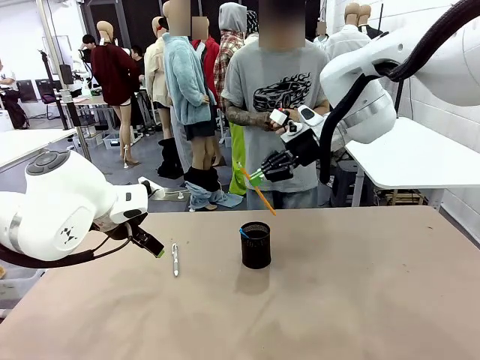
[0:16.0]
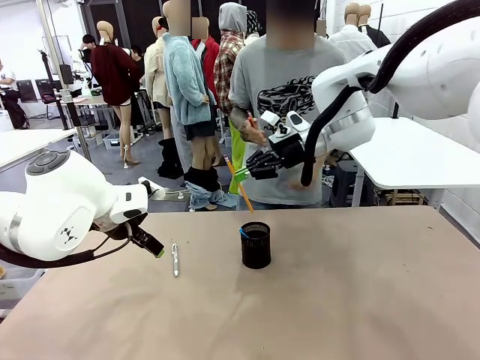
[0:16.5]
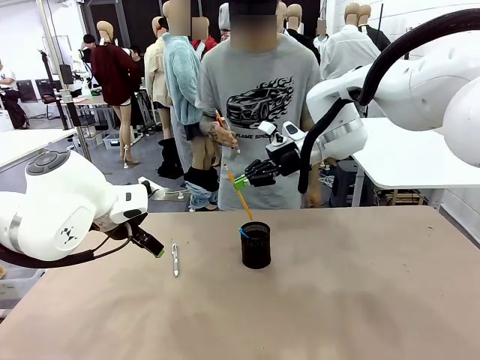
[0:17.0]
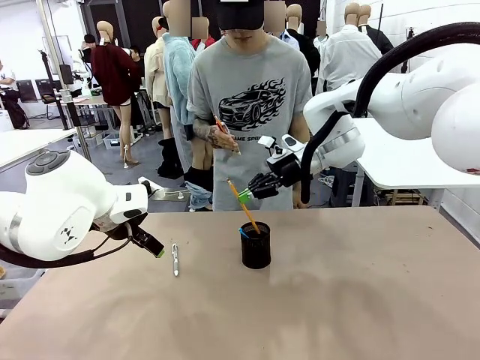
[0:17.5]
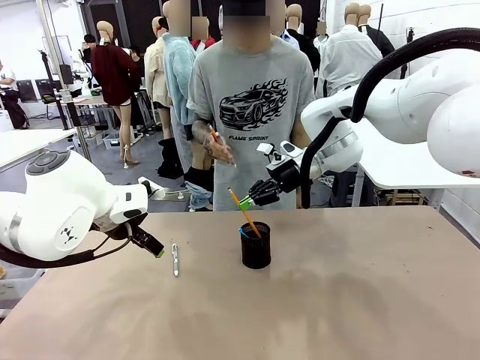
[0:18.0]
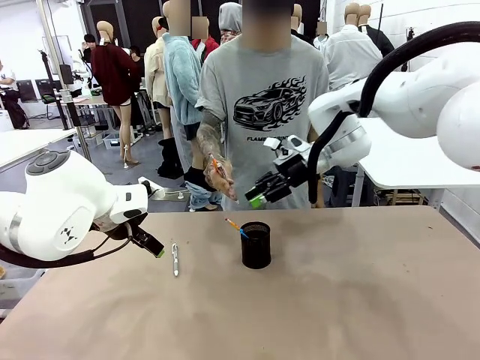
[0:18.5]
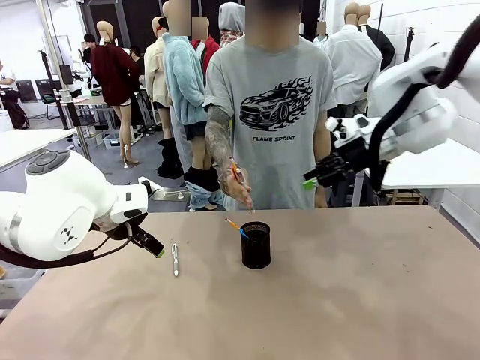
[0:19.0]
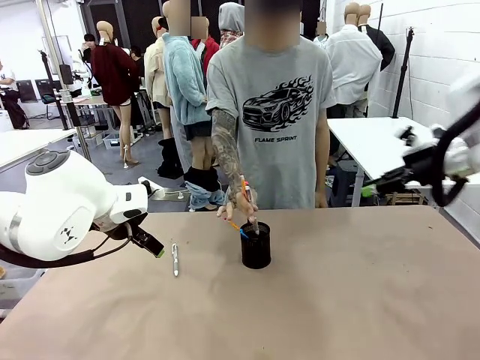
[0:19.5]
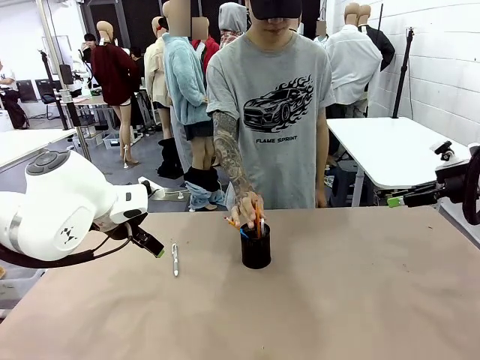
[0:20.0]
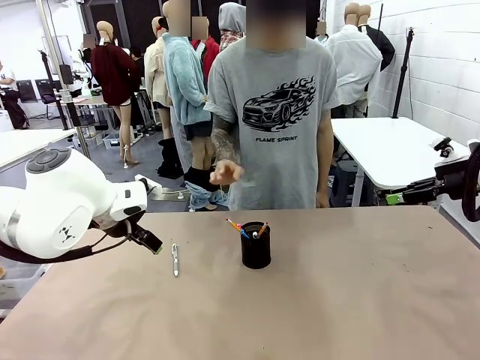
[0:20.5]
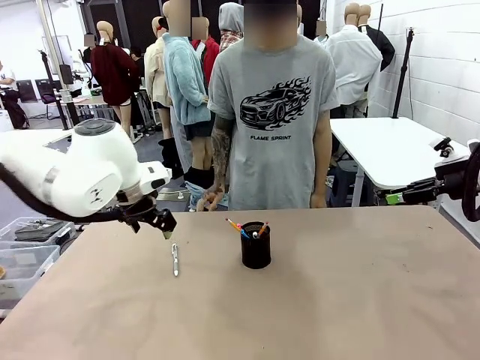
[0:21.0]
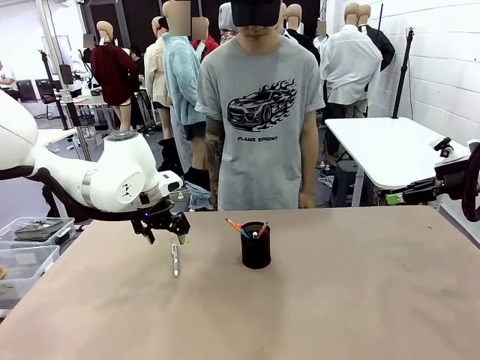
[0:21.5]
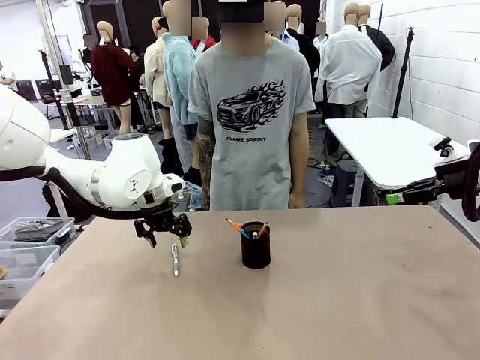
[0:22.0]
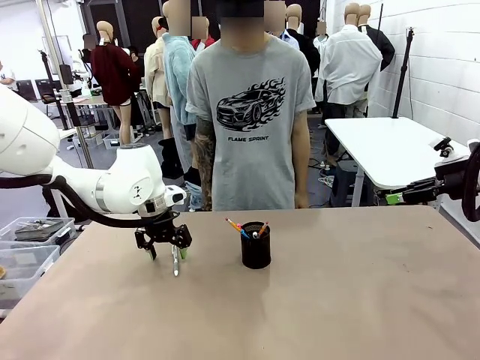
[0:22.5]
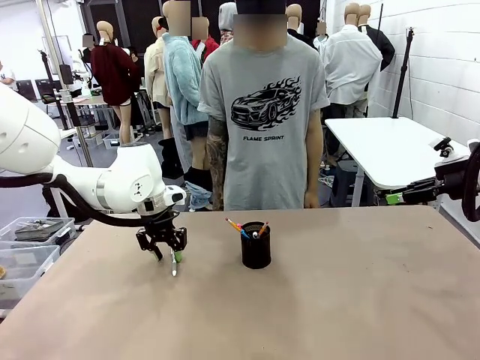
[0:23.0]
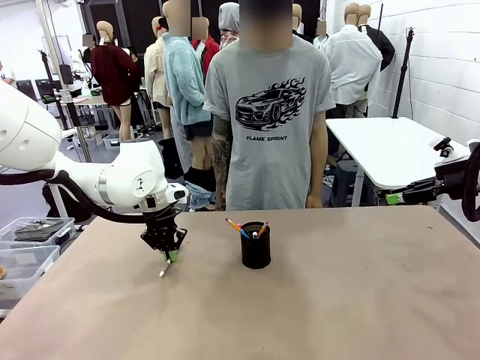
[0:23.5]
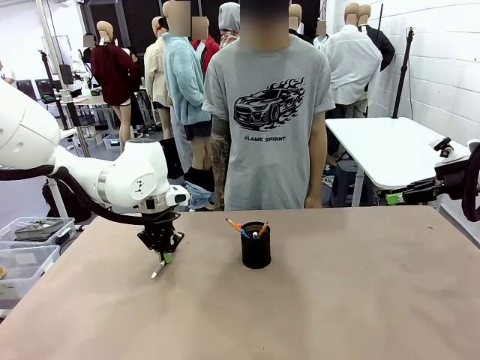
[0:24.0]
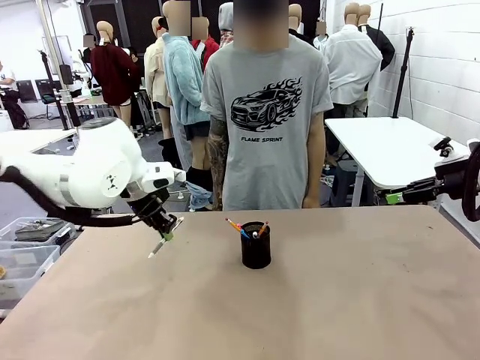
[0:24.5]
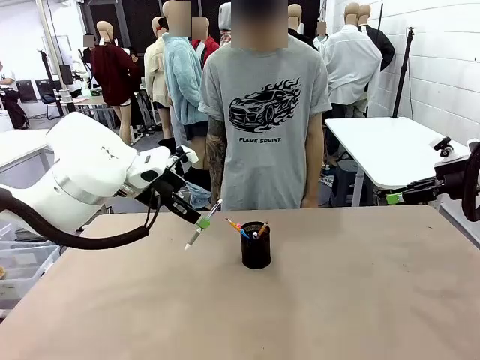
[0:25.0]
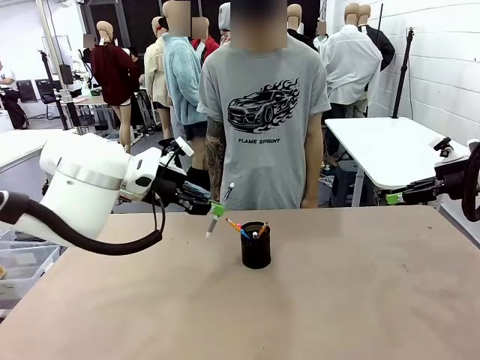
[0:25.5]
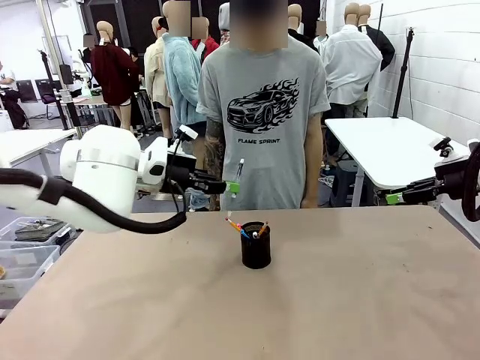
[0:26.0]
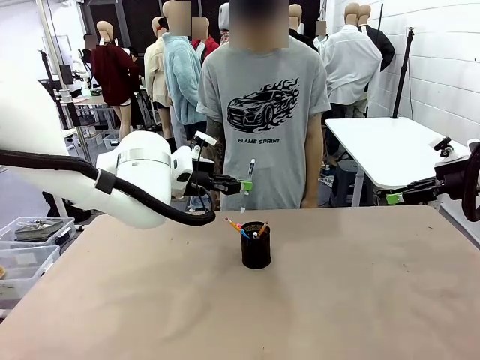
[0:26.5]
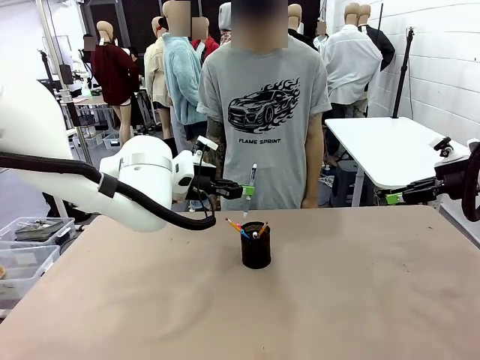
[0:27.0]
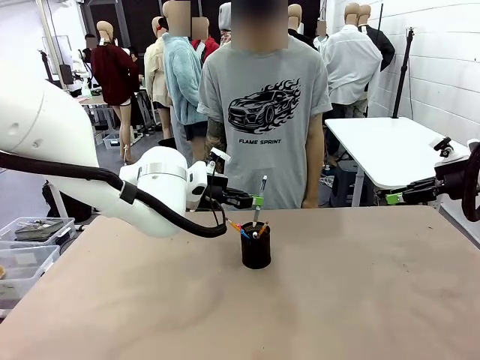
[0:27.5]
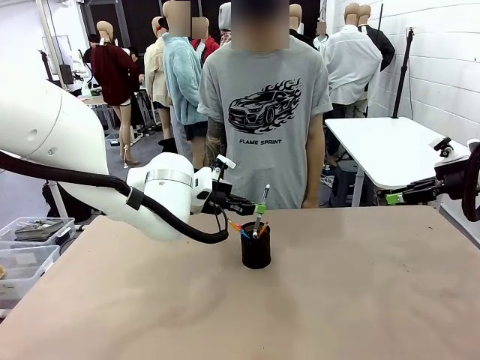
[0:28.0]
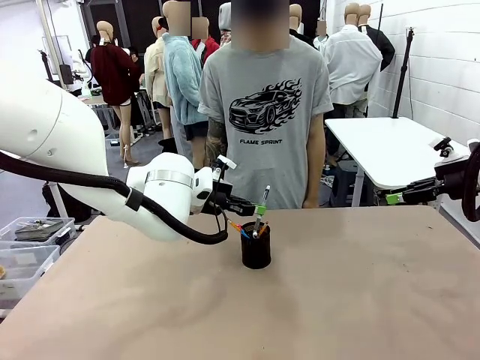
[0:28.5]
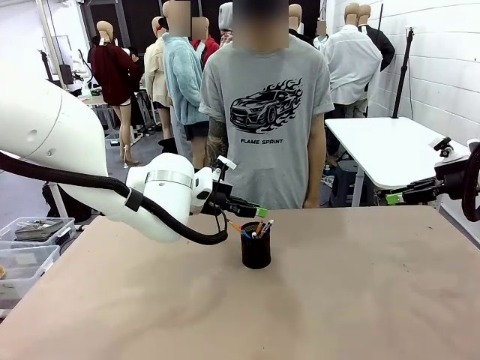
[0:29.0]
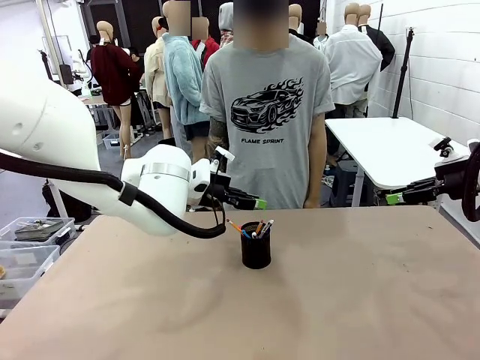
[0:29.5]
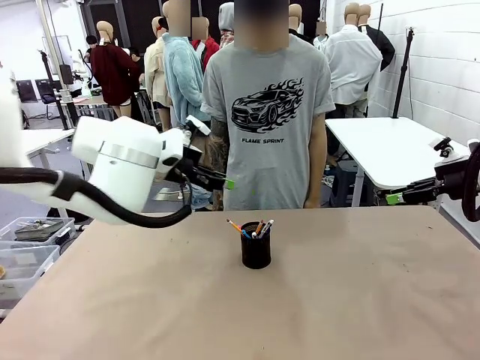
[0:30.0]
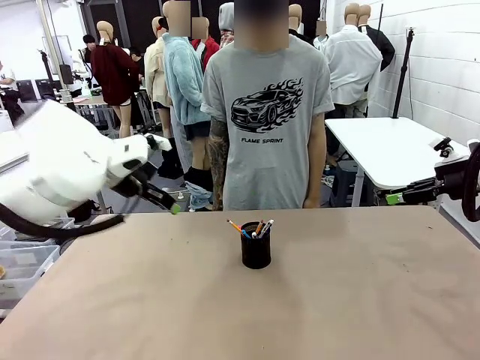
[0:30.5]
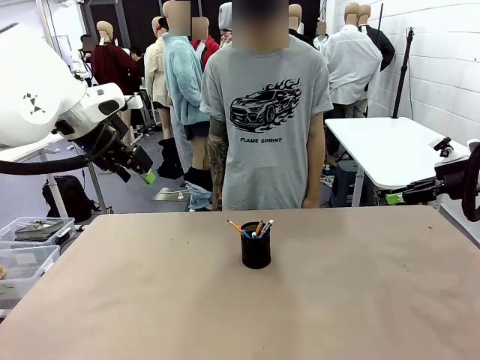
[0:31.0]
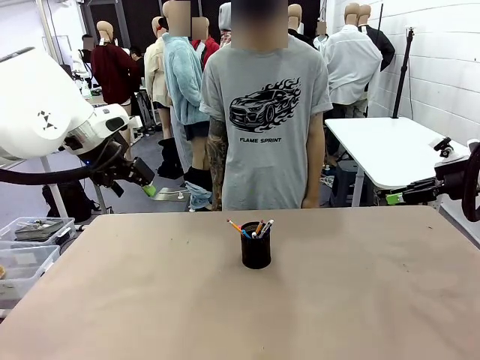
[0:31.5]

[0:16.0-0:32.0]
Task: Place the pens into the pen holder.
Robot: Pick up a writing instrument from the table and place it into the Pen holder.
Person: Place all writing instrument into the Pen holder.

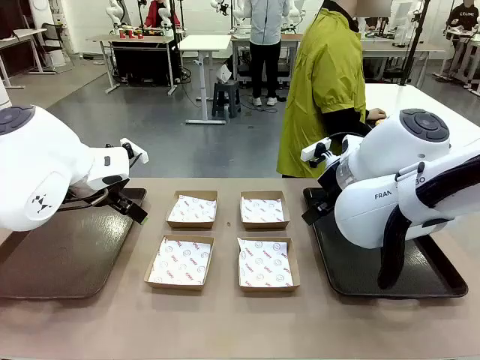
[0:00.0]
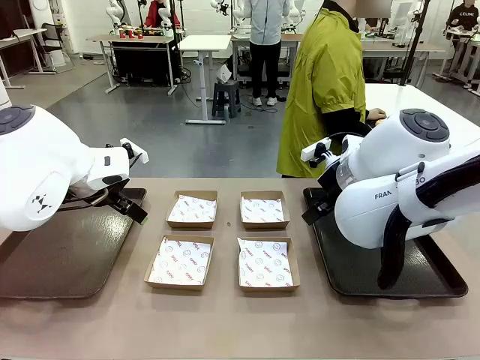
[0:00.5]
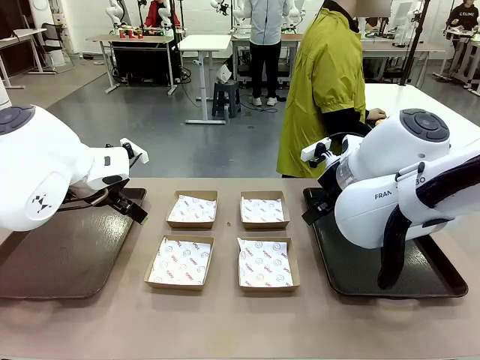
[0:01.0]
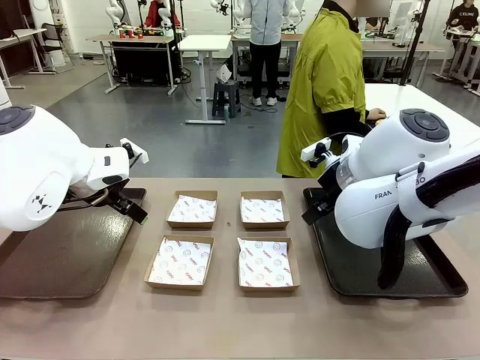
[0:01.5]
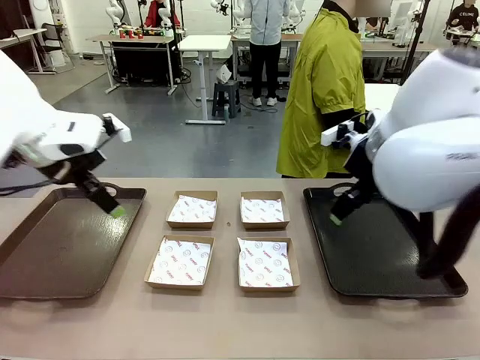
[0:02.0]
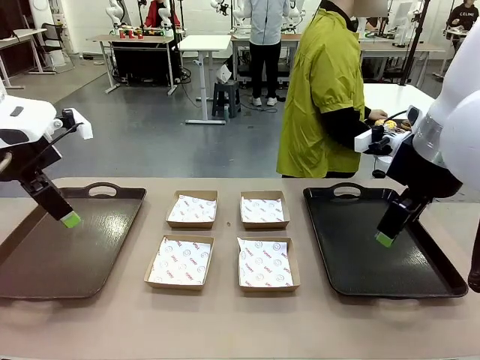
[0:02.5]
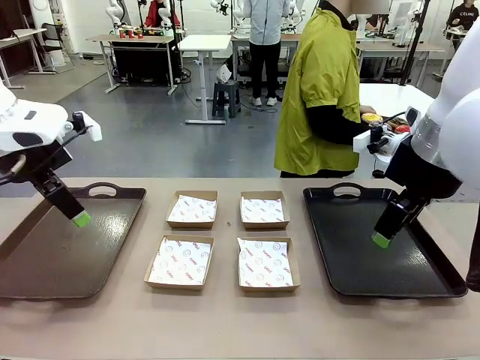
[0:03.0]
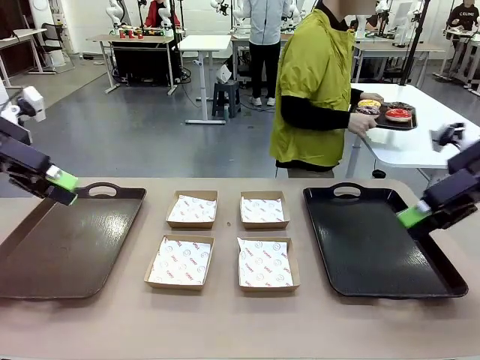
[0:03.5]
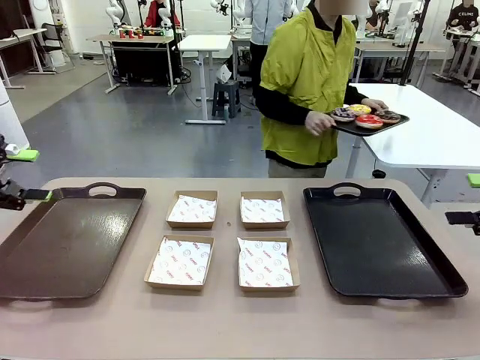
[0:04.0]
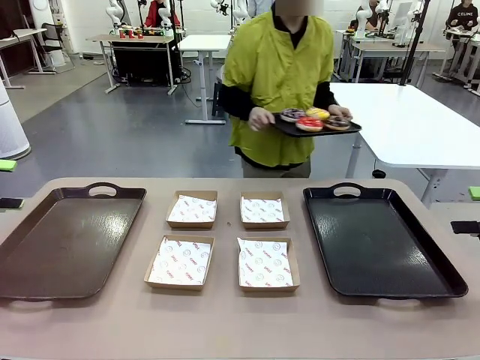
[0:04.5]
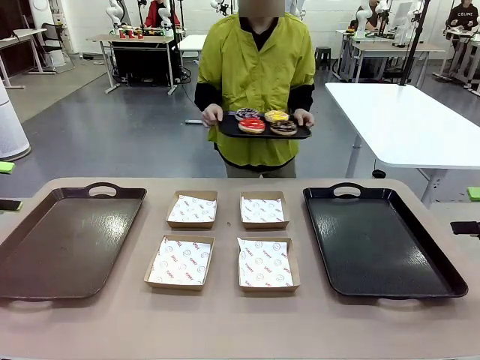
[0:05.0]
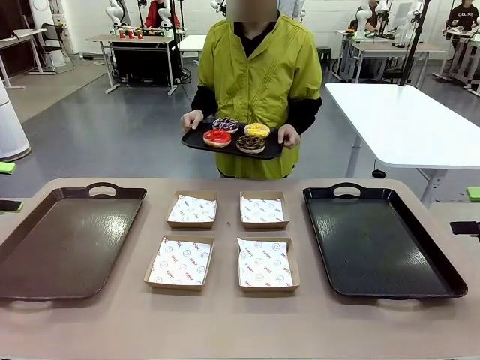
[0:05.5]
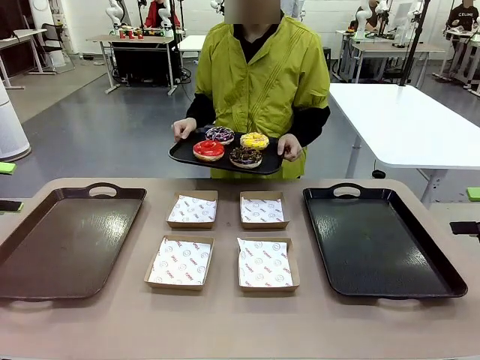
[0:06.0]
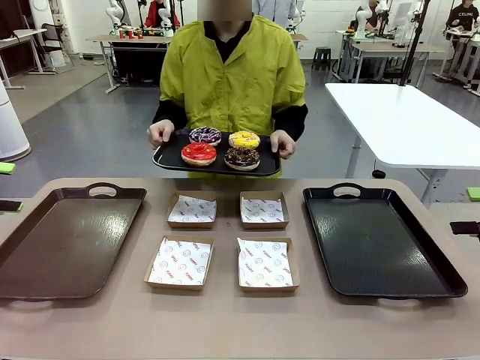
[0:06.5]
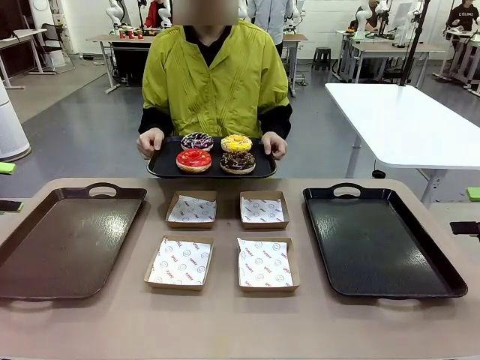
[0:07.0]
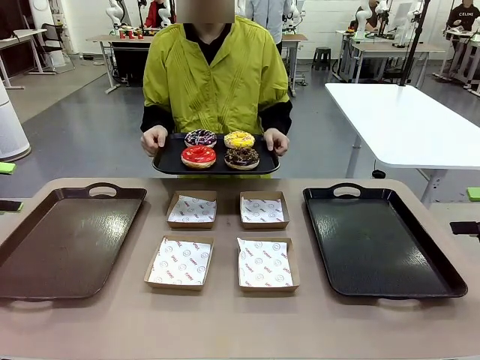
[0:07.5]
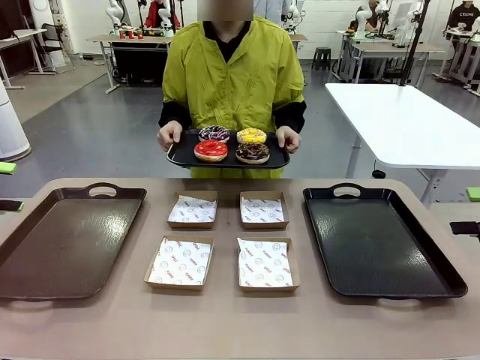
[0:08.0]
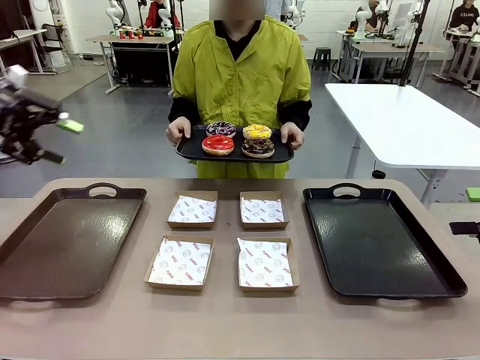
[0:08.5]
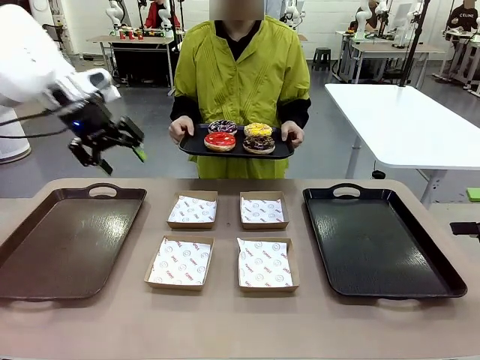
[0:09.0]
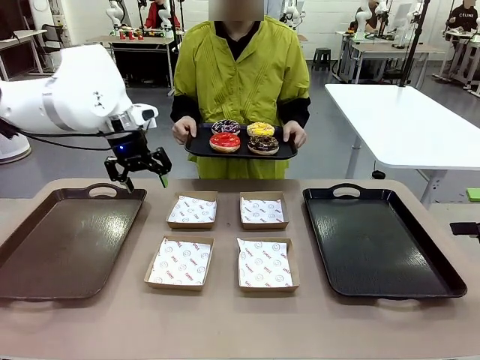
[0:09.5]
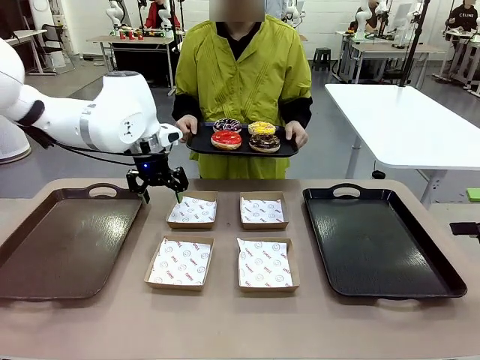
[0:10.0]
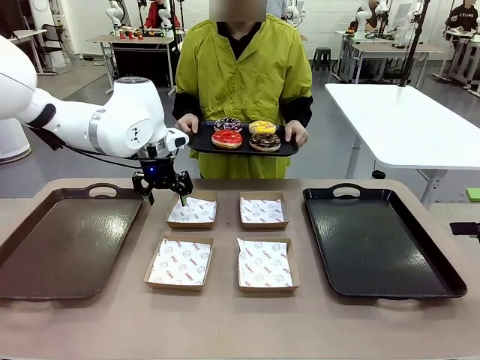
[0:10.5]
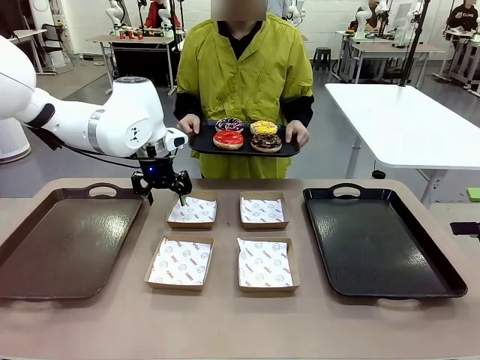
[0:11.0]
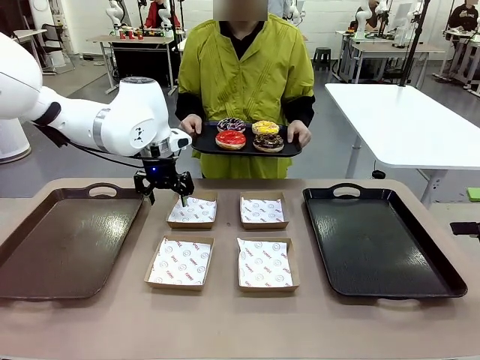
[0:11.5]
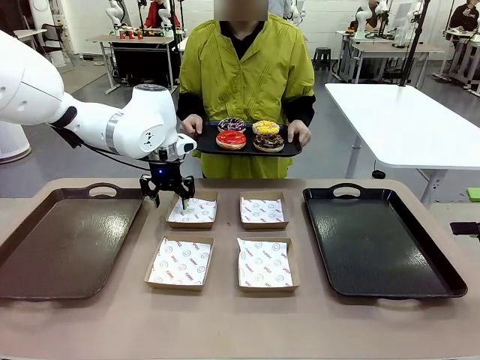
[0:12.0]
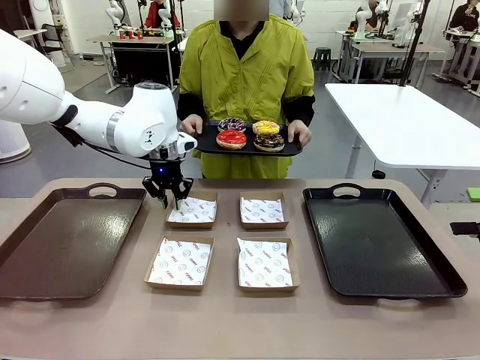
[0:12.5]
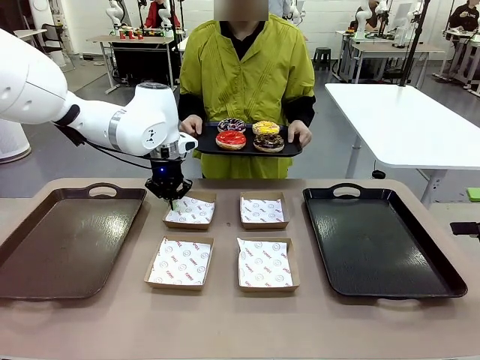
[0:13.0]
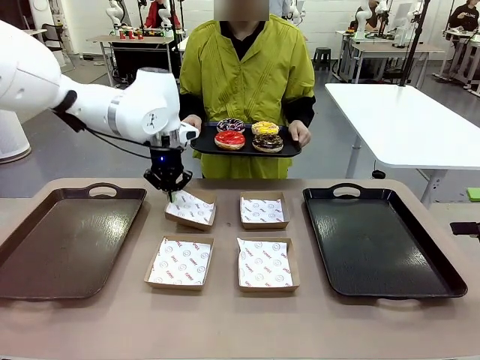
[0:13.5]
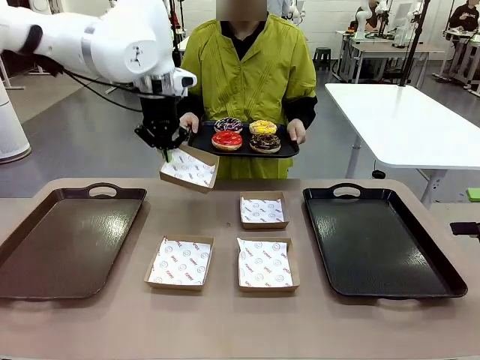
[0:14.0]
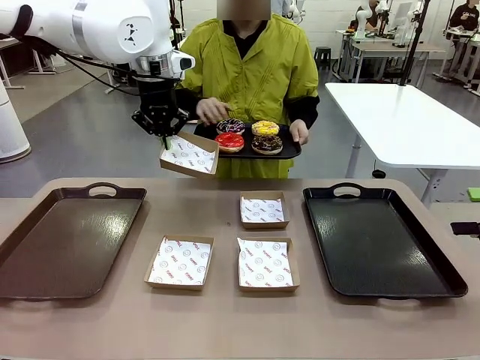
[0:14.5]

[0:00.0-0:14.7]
Task: Individually package the donuts and arrange them on the tray.
Robot: Pick up one Paper togo box.
Person: Stand in front of the robot table holding the tray containing the donuts.
